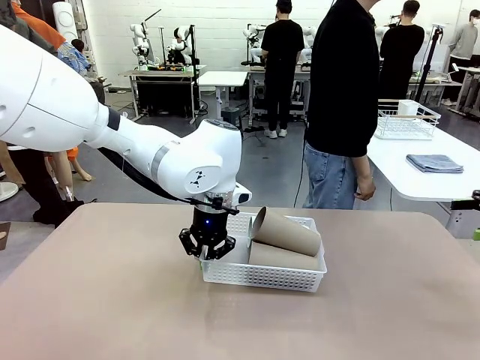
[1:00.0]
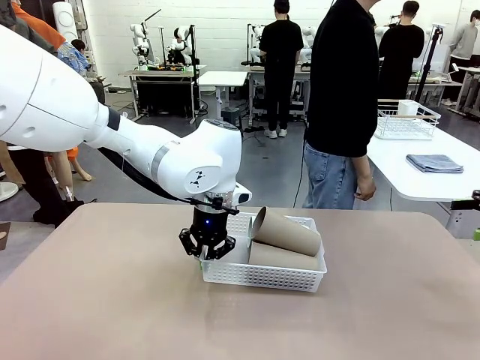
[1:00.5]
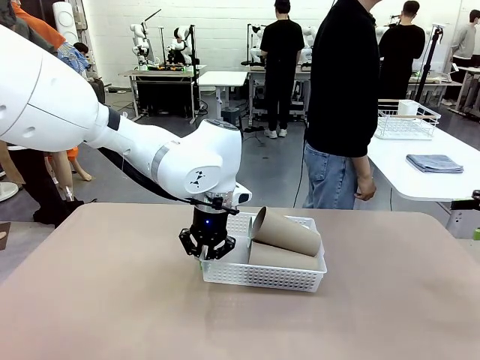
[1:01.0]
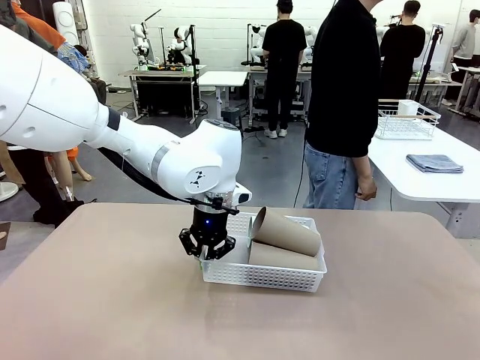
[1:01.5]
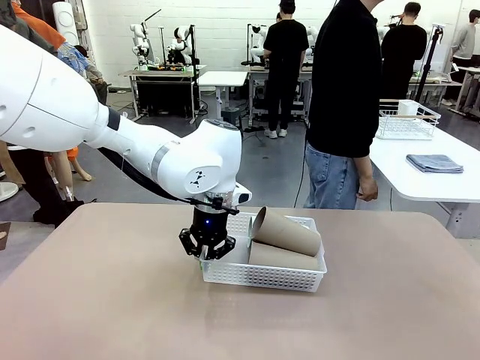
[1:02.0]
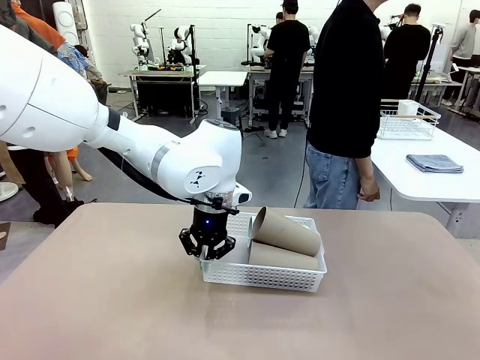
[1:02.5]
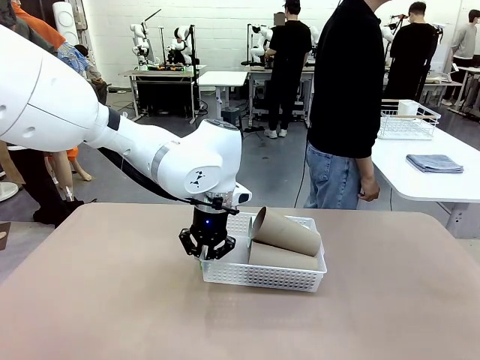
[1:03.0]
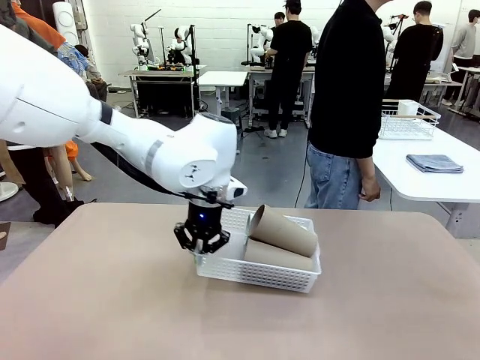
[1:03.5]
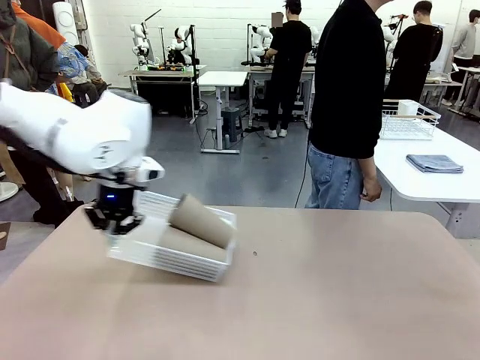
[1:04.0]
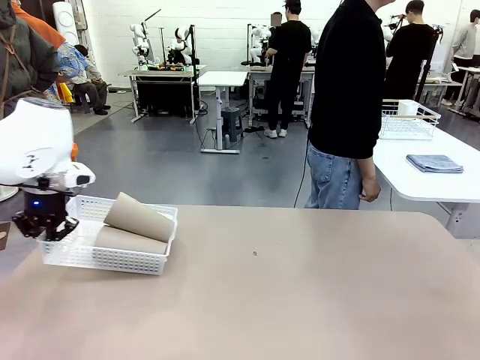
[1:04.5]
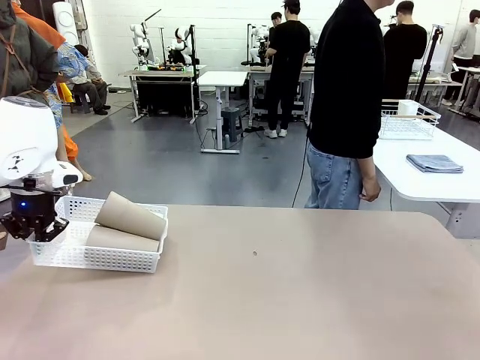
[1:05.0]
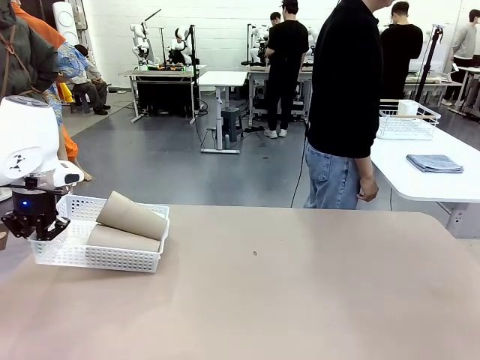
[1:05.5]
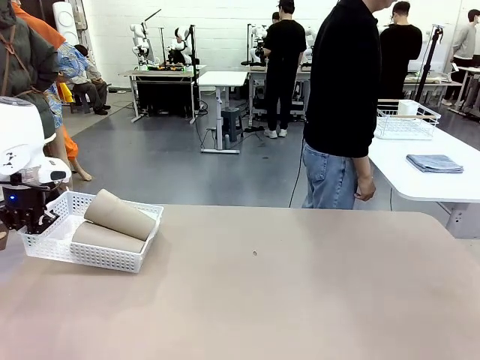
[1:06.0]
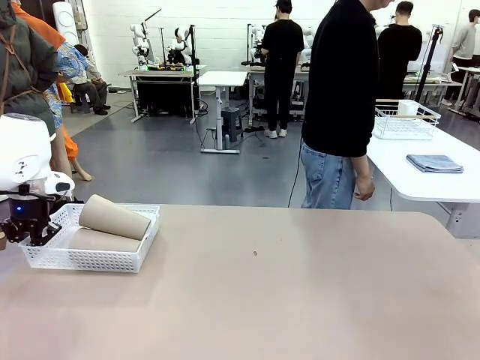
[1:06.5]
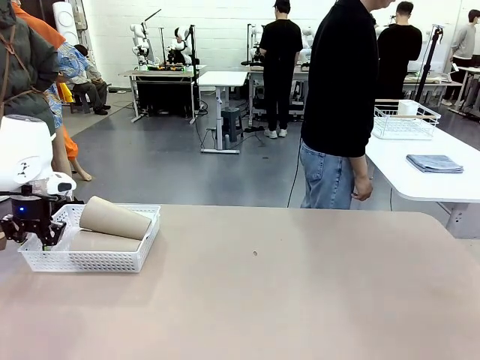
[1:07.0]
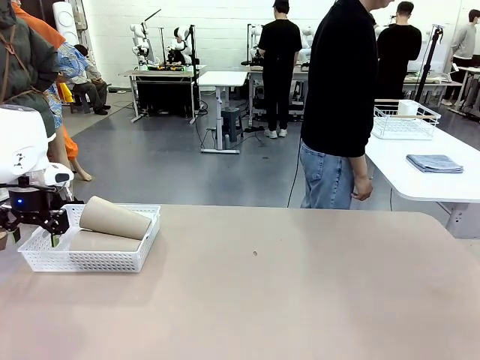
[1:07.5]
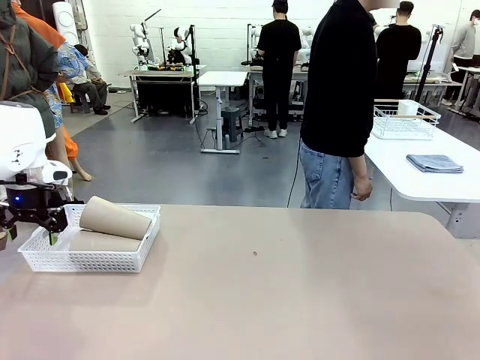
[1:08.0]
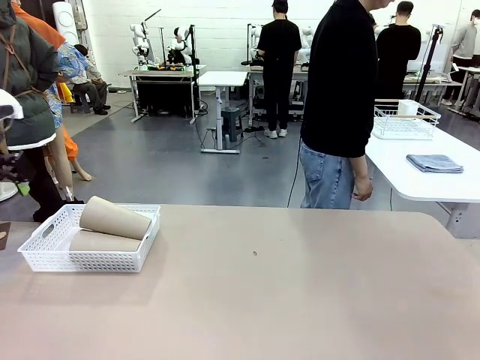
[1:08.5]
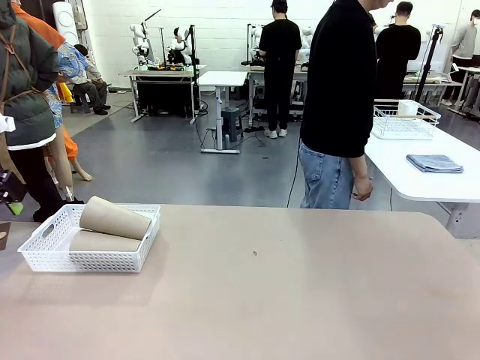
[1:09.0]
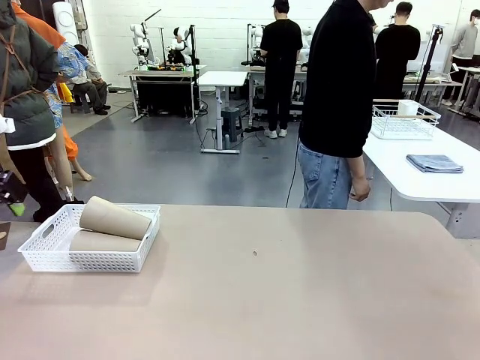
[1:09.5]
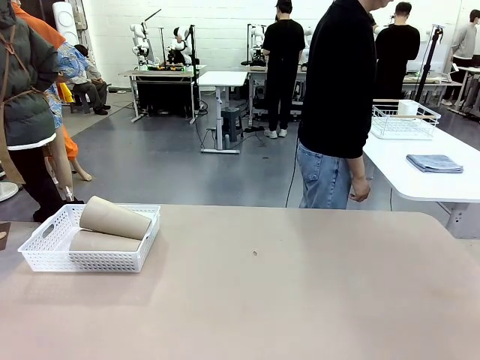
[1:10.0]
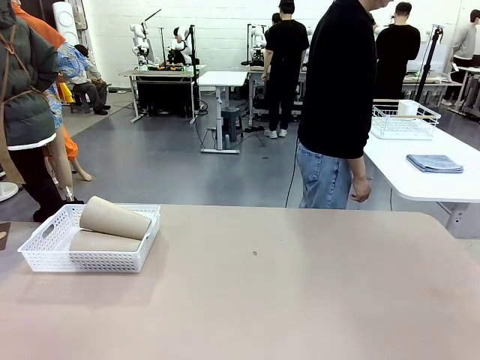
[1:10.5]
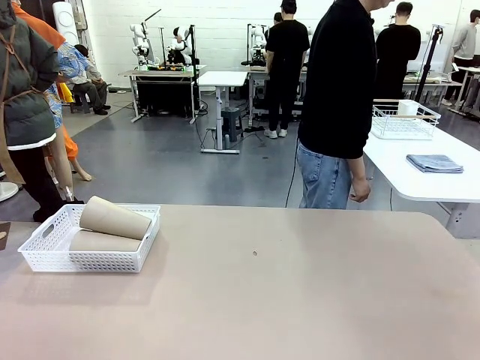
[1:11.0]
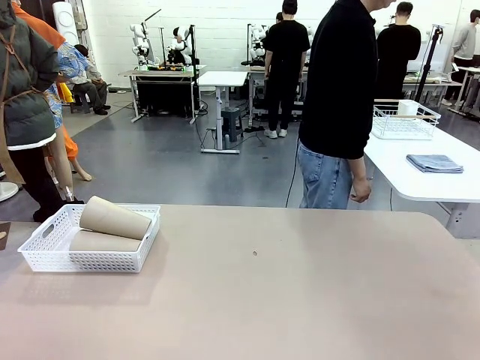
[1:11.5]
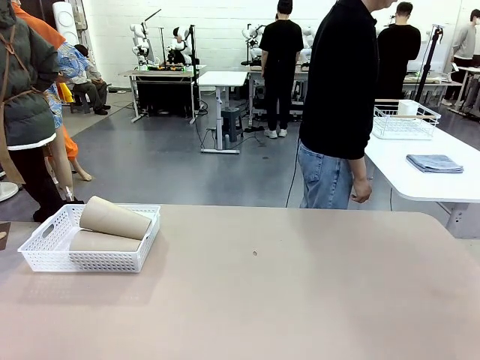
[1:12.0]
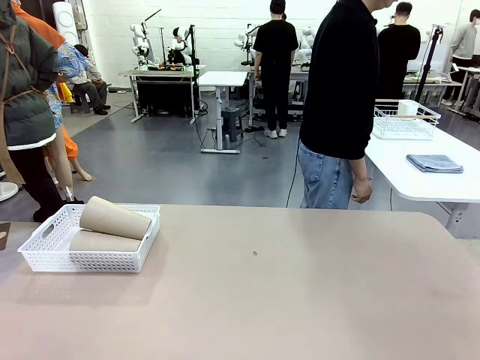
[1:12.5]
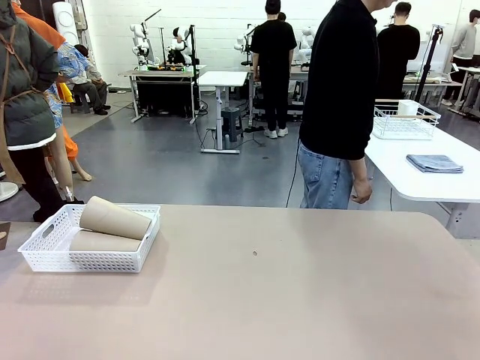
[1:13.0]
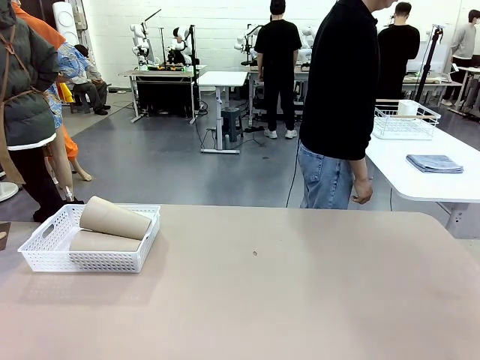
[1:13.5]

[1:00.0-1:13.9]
Task: Clean and organize the cups into the basket.
Robot: Move the Organizing basket back to the left side of the table.
Person: Folds the towel in half twice and places it in the right of the table.

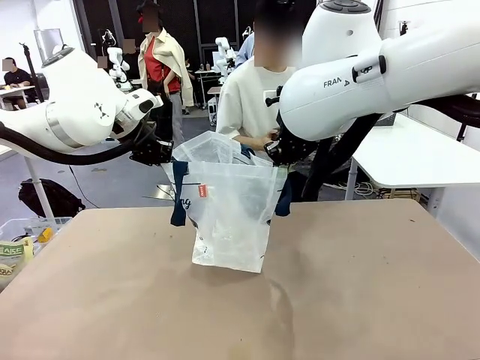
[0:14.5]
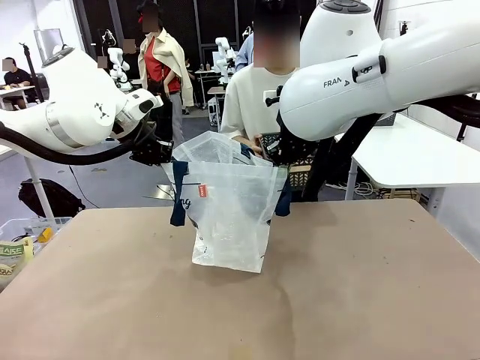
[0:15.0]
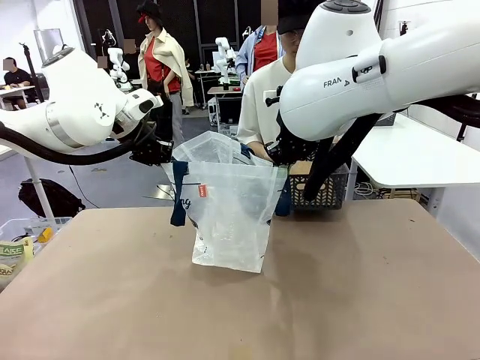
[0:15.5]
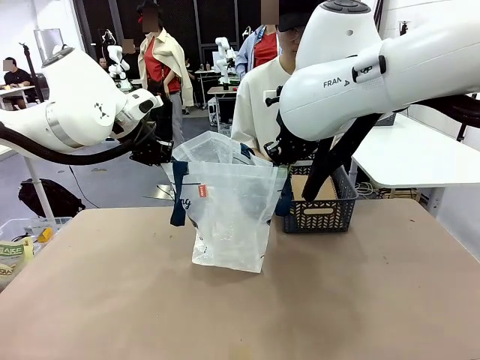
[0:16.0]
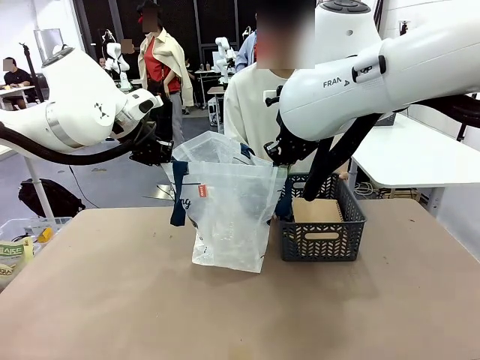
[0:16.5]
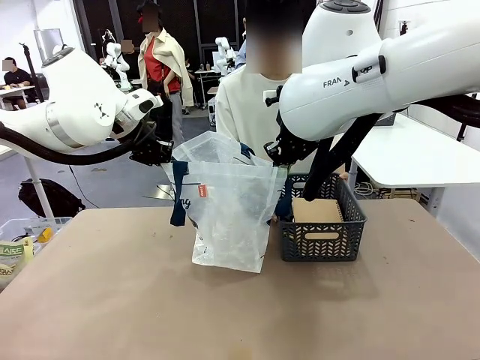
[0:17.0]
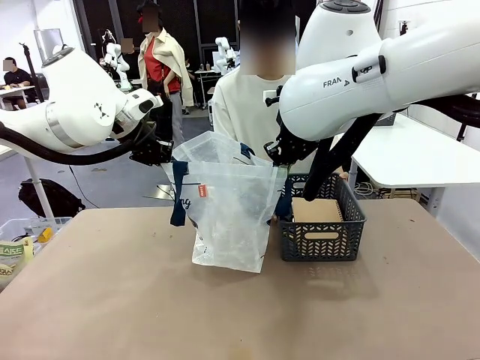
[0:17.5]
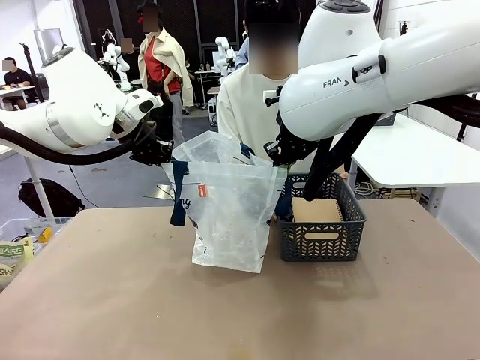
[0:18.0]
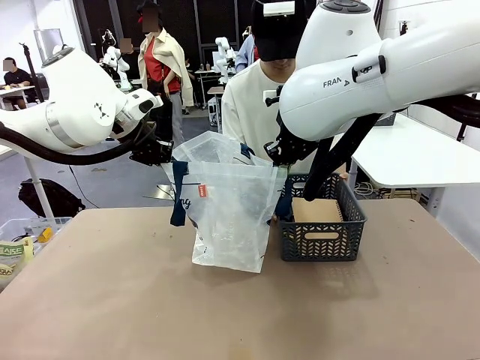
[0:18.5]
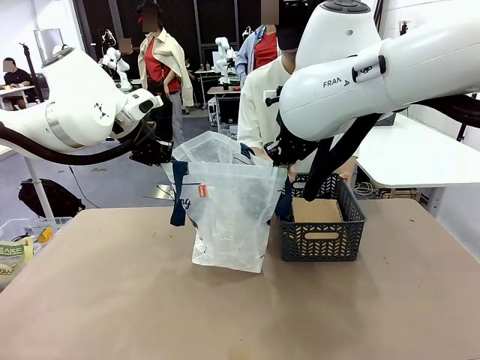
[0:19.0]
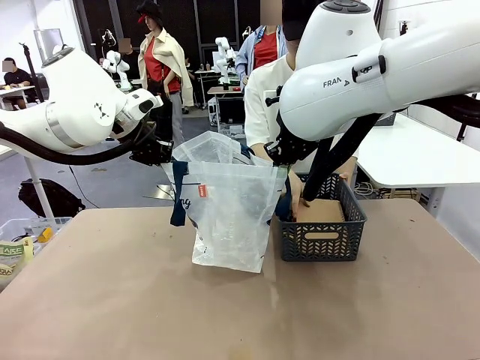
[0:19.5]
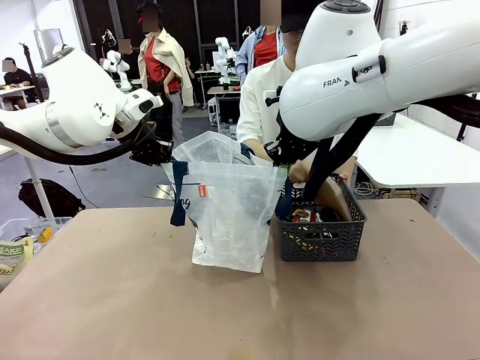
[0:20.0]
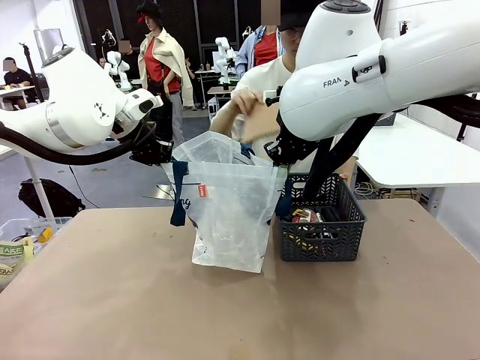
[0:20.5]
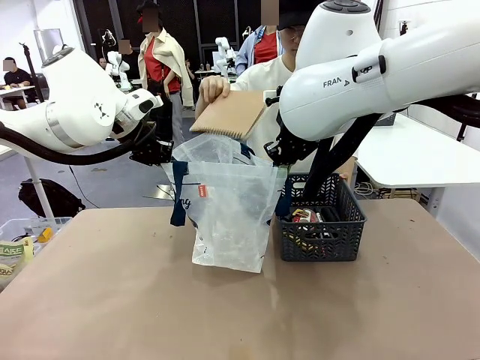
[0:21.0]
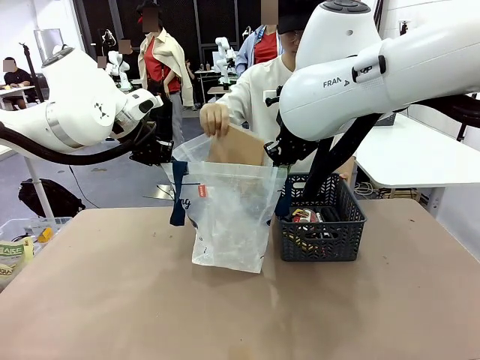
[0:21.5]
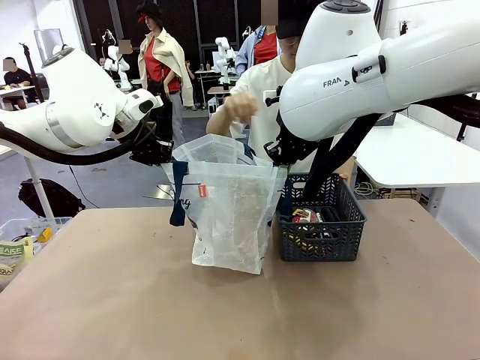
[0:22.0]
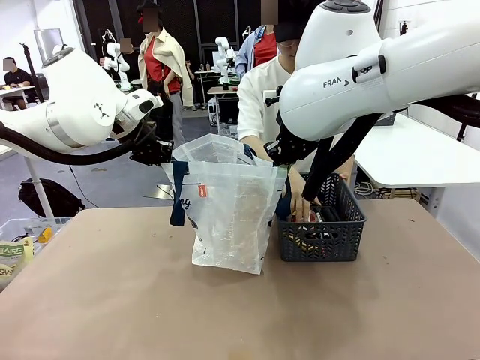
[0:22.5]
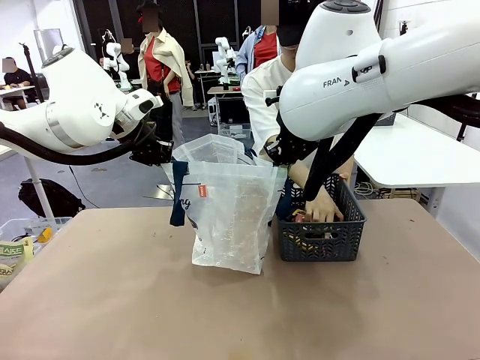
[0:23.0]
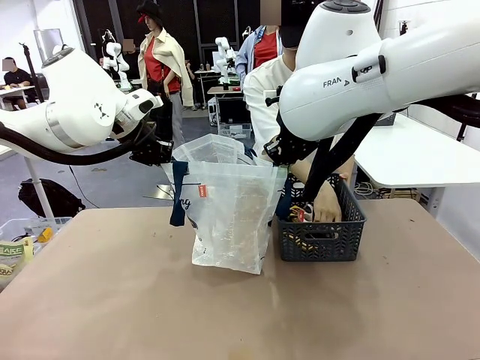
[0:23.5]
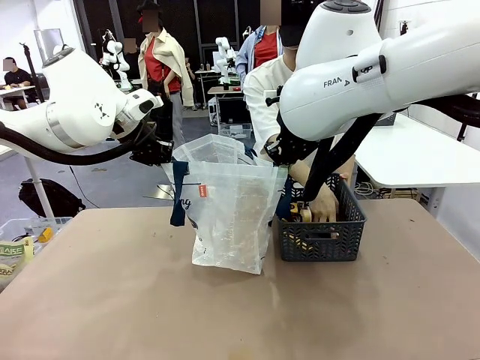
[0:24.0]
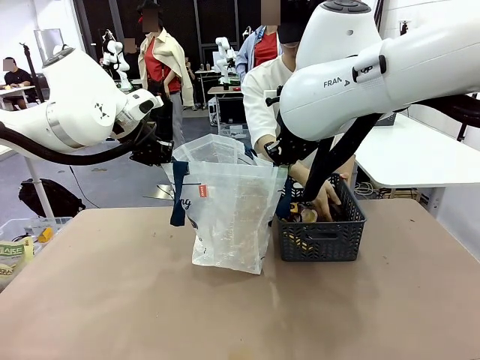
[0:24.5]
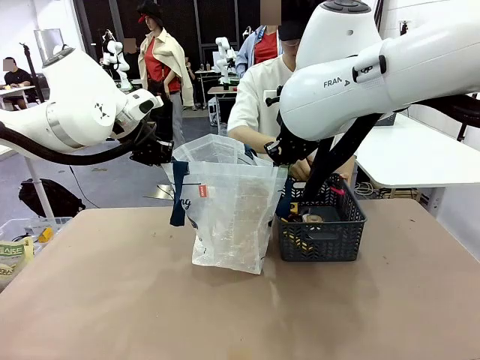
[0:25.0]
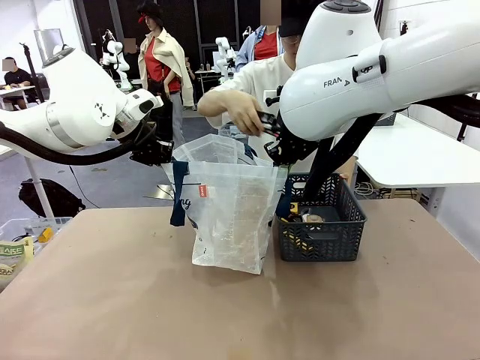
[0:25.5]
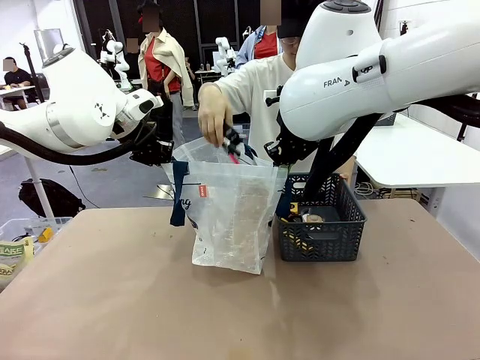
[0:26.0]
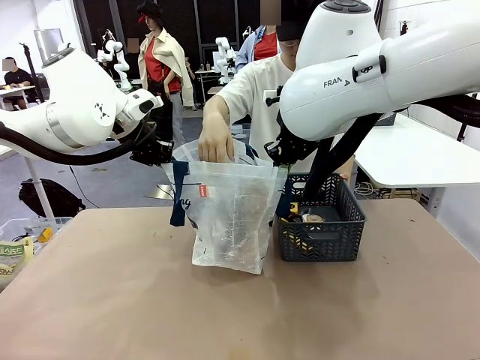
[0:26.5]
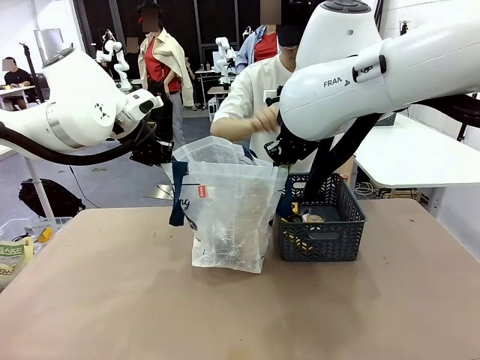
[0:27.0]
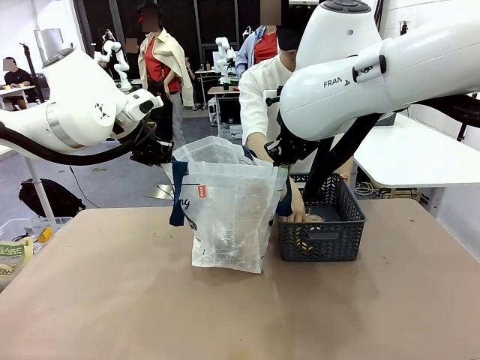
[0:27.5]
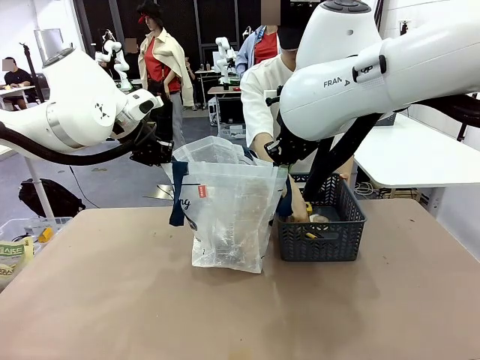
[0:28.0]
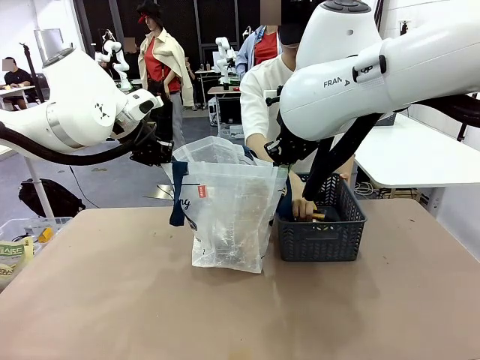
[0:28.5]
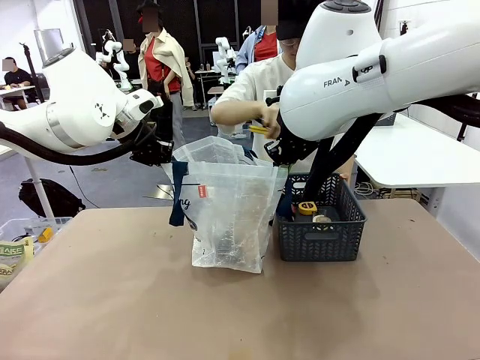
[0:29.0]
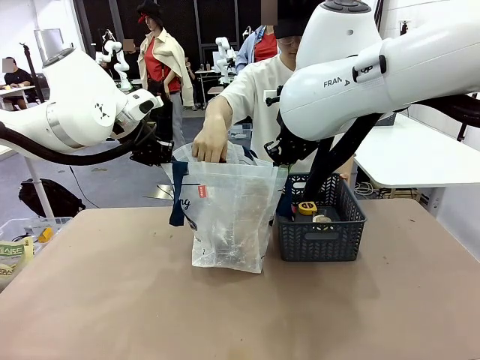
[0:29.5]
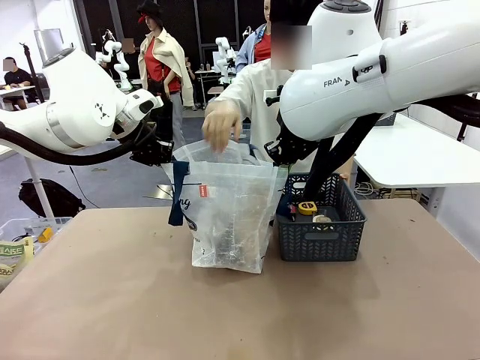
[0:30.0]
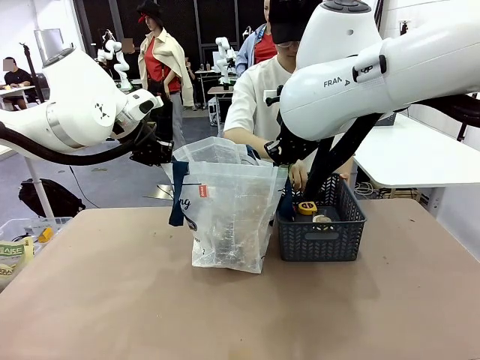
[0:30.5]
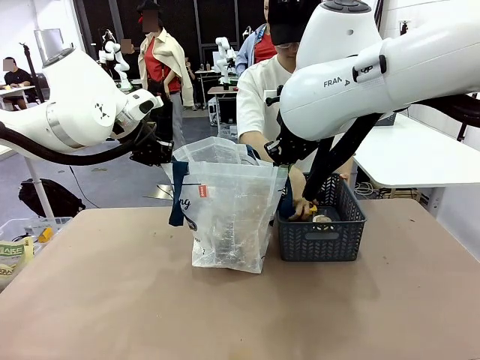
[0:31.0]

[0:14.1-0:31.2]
Task: Transfer purchased items from the store into the shopping bag.
Robot: Move the Reusable shopping bag to the right side of the table.
Person: Pick up the basket with the items out and place it on the right side of the human table.
